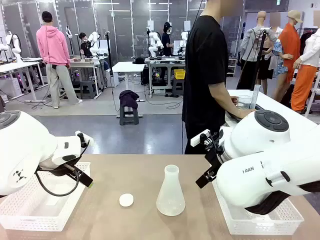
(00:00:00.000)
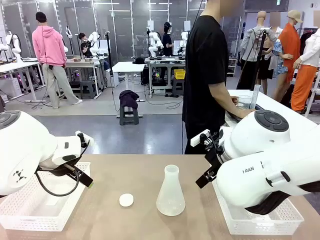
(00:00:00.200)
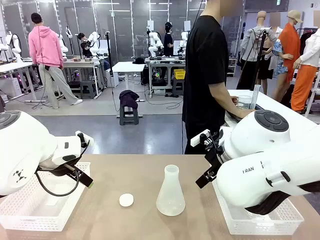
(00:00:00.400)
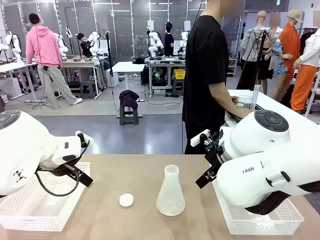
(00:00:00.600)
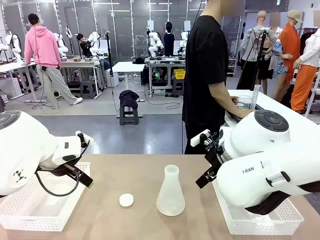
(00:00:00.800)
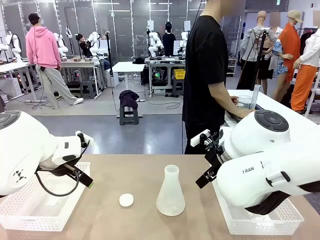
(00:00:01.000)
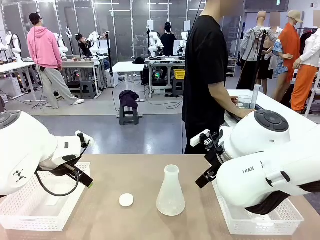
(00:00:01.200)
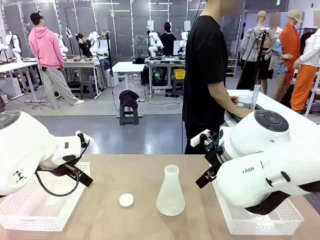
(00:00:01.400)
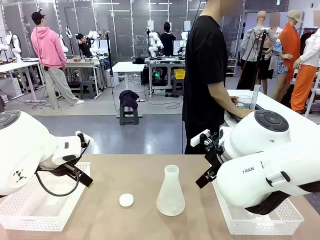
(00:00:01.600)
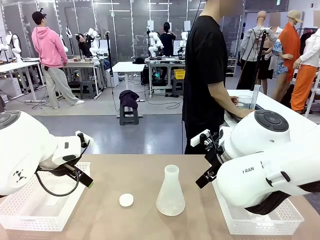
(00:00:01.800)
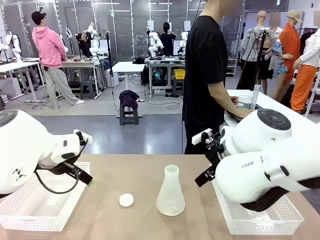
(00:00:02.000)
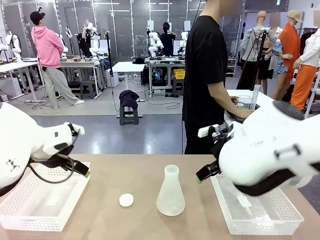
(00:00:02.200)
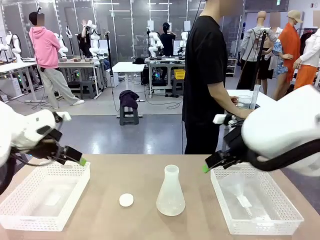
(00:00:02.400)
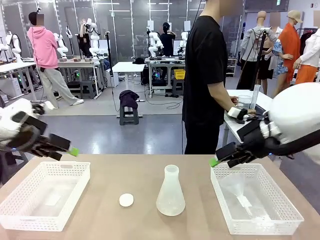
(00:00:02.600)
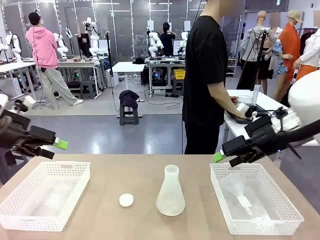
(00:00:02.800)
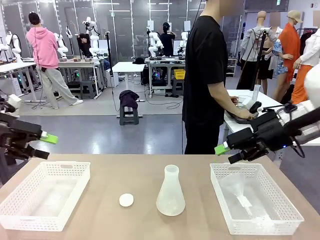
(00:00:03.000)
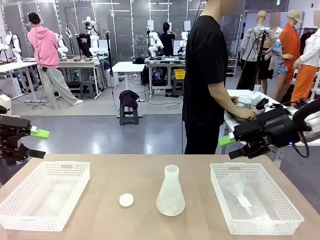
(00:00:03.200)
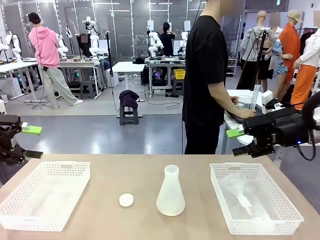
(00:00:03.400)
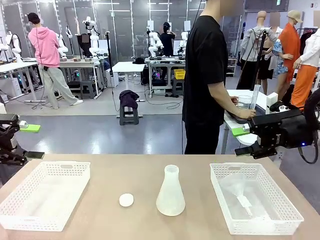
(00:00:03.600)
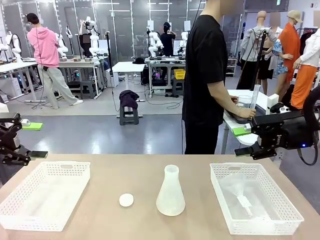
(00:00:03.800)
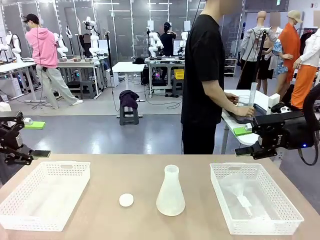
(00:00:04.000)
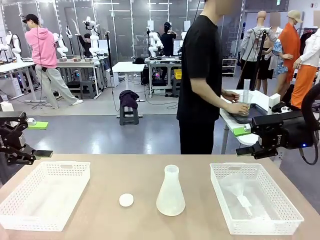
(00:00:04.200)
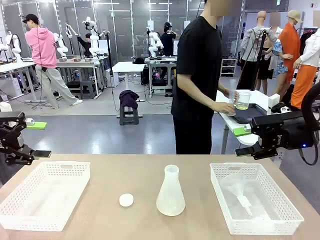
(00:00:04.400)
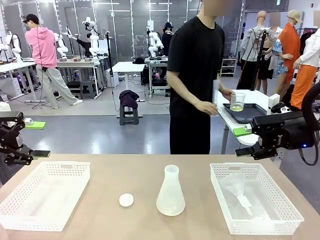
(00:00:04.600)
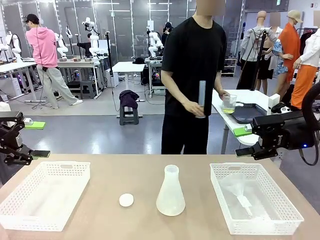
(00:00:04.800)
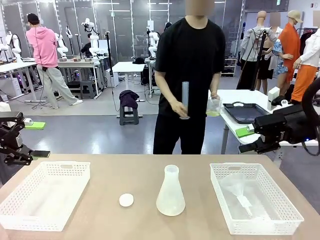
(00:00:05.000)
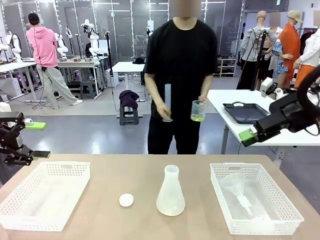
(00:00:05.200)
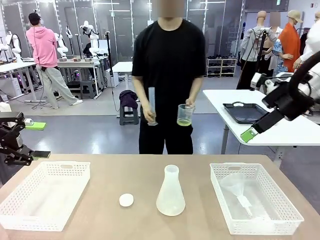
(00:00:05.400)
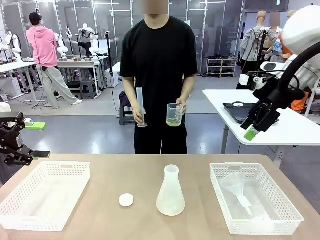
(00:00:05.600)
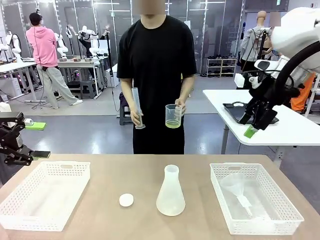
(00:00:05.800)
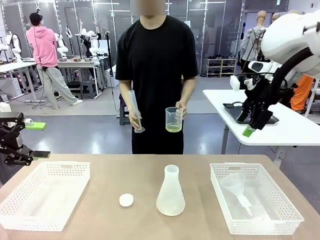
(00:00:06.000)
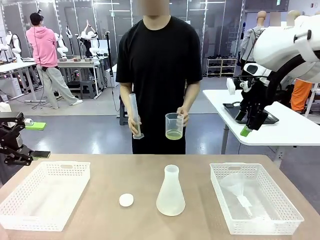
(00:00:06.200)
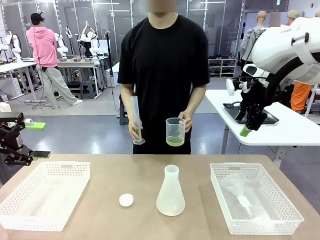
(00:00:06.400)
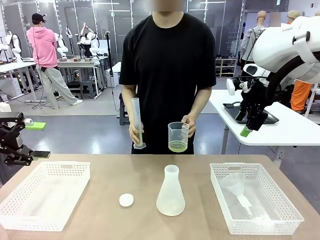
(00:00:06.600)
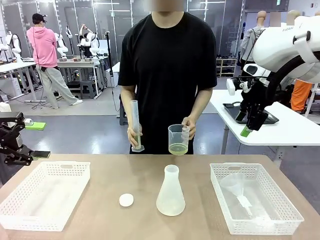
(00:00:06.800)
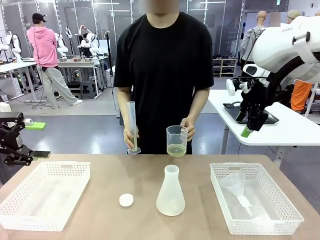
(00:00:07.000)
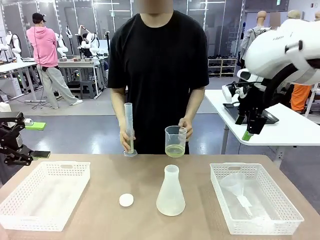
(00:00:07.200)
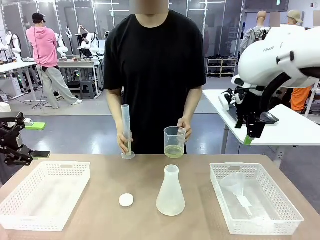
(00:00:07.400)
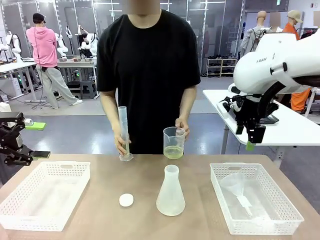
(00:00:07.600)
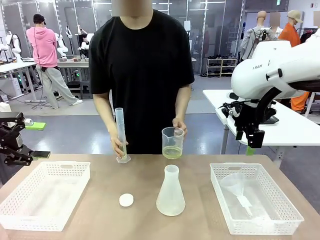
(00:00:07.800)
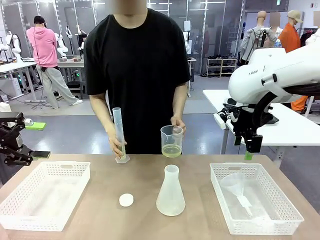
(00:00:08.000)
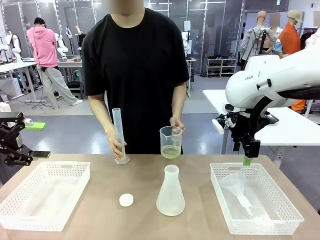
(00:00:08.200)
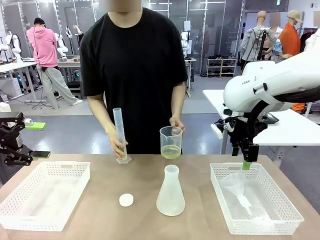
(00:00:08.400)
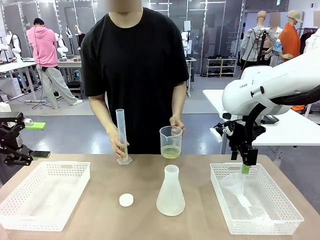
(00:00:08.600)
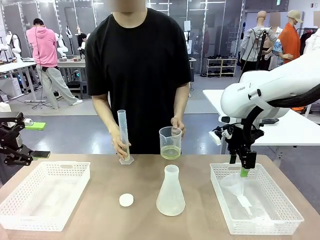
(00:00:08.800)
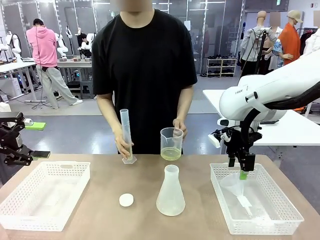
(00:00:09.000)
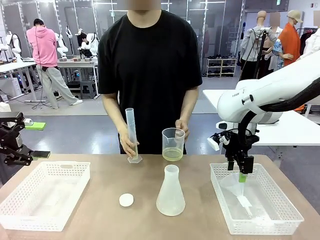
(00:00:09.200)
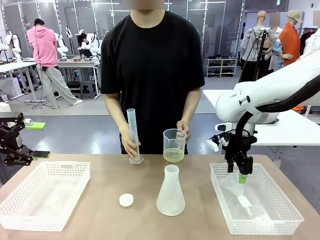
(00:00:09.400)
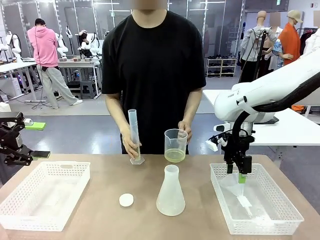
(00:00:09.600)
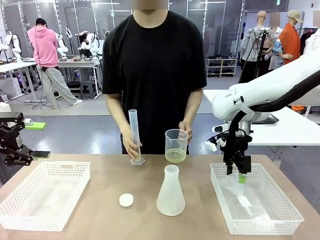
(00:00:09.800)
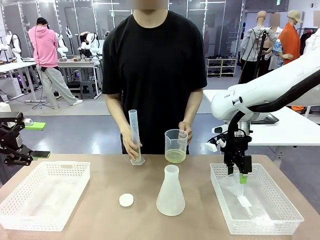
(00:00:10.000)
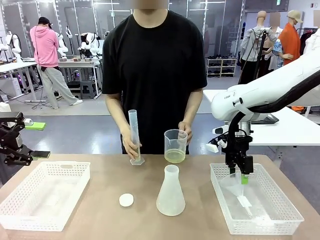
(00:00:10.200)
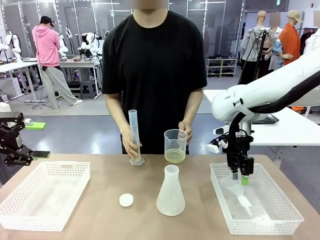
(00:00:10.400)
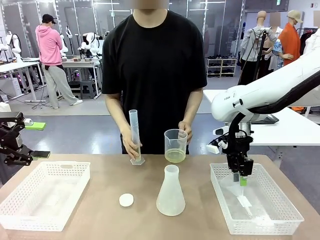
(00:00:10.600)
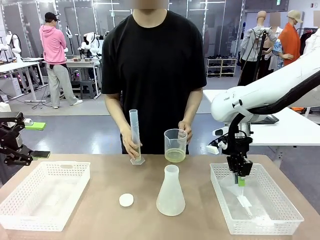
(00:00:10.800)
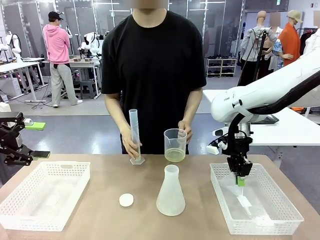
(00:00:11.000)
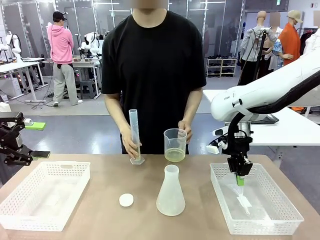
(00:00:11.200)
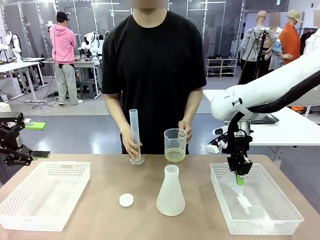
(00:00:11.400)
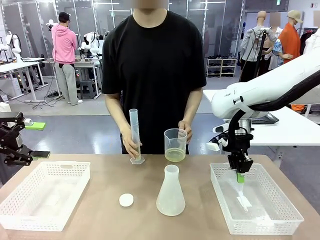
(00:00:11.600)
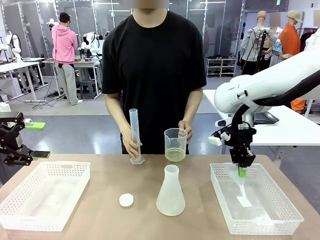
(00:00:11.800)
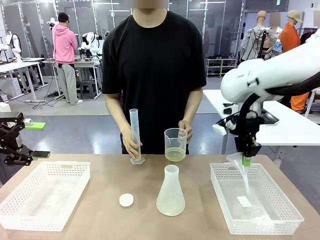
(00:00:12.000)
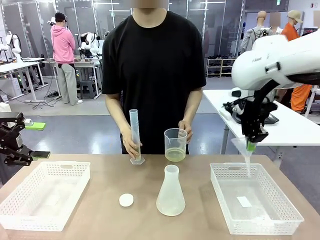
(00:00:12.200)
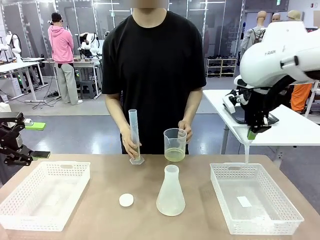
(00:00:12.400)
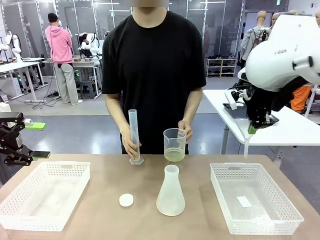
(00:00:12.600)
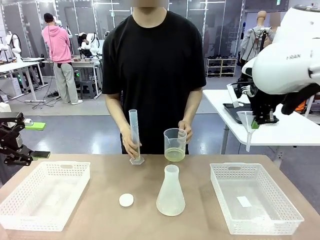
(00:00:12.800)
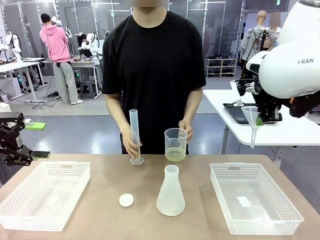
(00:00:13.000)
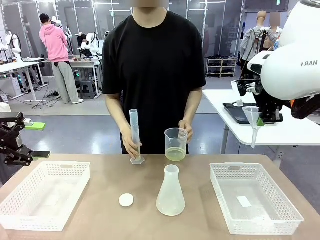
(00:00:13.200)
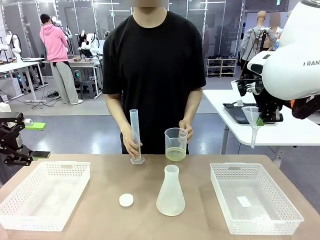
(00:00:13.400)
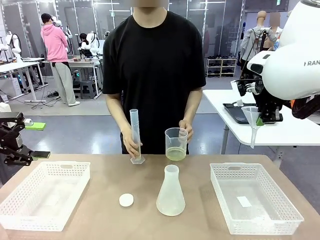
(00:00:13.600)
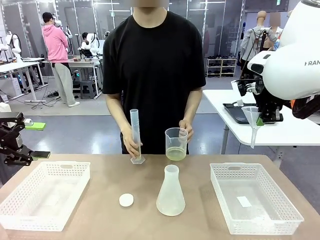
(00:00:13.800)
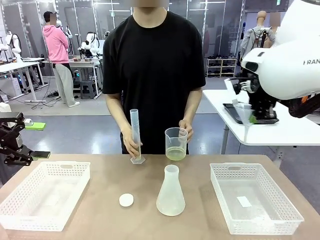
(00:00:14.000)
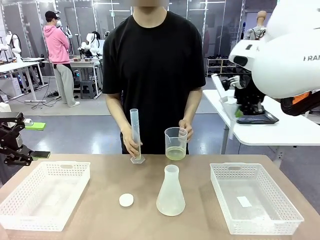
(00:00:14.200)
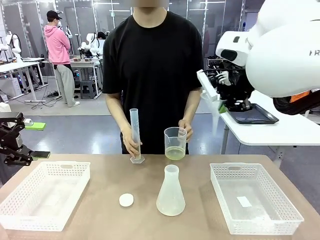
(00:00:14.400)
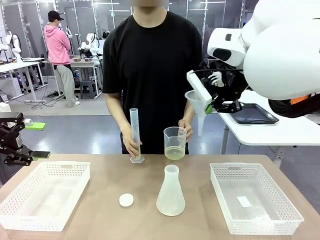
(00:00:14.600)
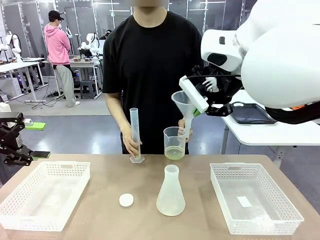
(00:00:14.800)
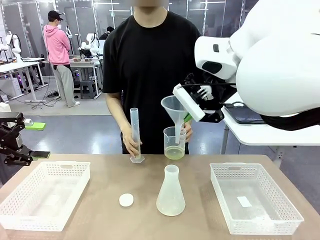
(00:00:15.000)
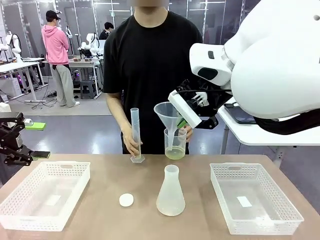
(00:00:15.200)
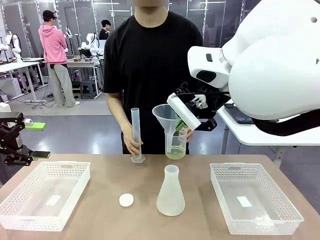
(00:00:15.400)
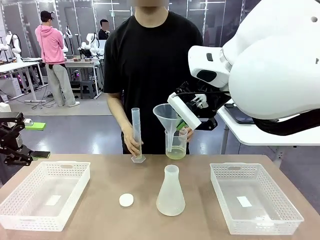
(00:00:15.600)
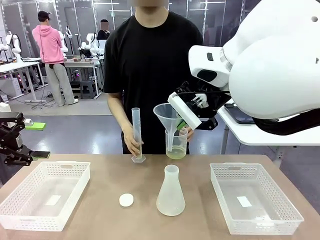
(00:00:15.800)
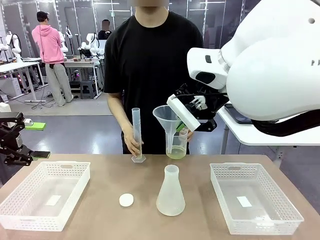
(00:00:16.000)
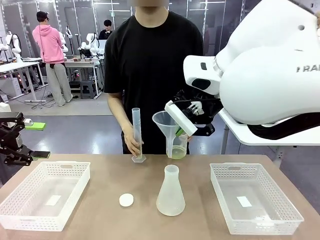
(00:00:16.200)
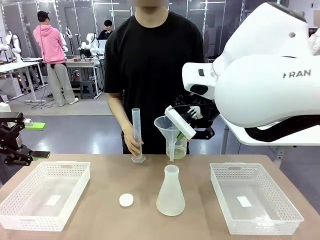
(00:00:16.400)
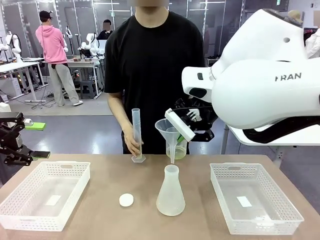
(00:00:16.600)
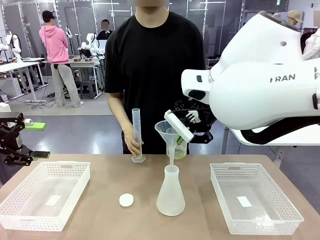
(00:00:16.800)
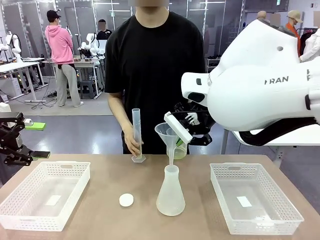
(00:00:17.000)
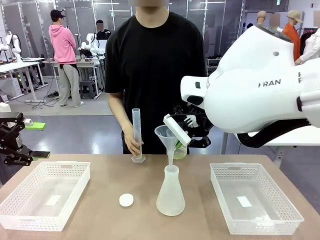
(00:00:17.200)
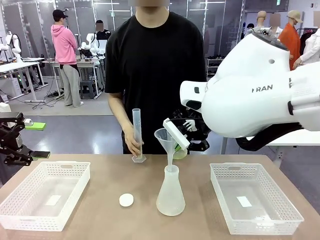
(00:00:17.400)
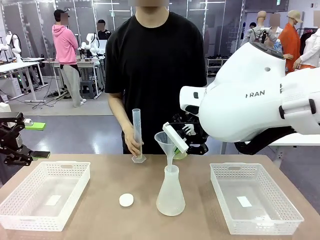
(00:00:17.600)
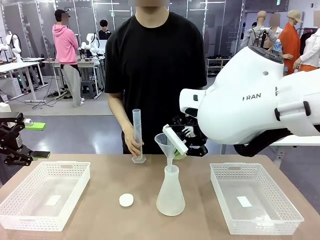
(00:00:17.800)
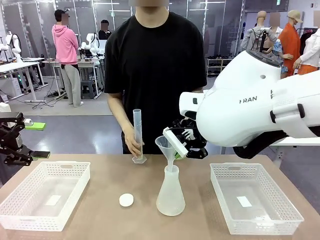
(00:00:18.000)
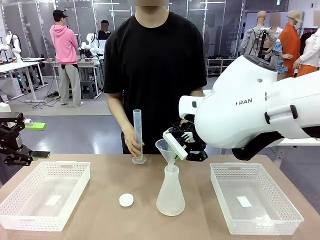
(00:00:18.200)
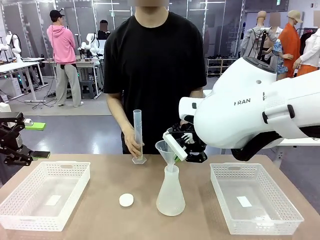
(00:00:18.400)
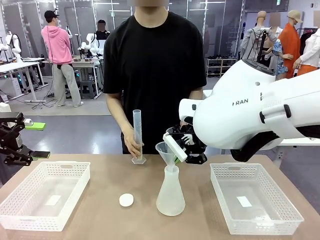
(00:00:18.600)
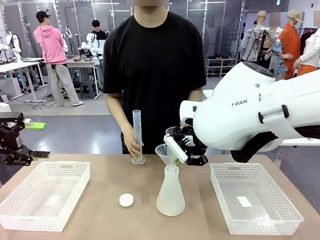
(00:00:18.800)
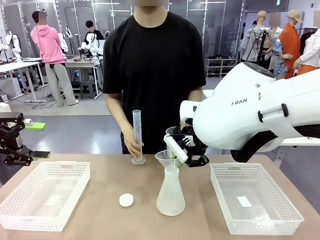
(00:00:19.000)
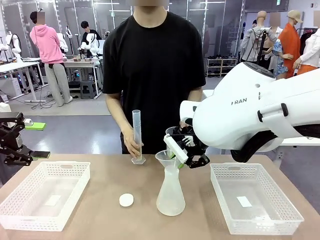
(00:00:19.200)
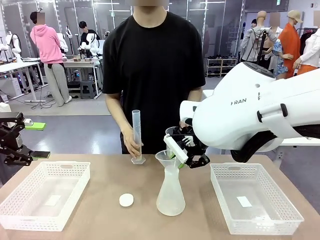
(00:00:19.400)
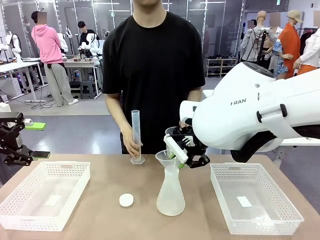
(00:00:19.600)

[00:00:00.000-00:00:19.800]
Task: Prepare the solutions needed for the experiment.
Robot: Pick up the Plastic Funnel and insert it into the Big flask.
Person: Pick up the beaker and the cylinder and move to the middle of the robot table. Pour the solution from the beaker and the cylinder into the flask.
